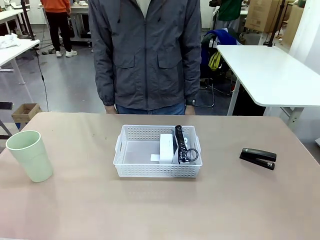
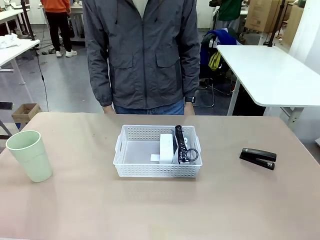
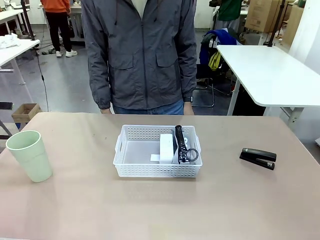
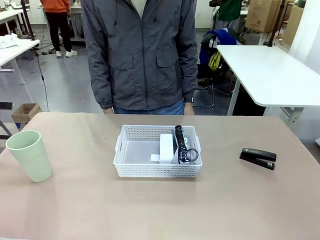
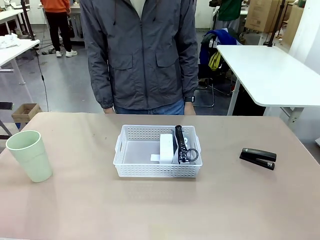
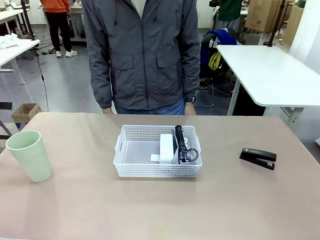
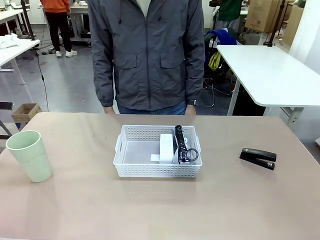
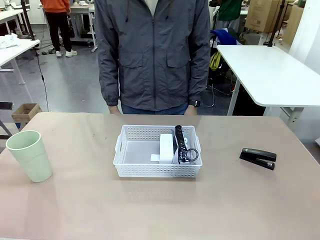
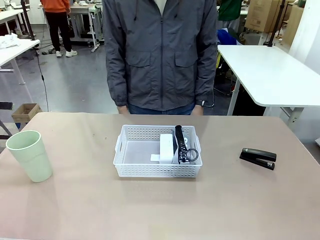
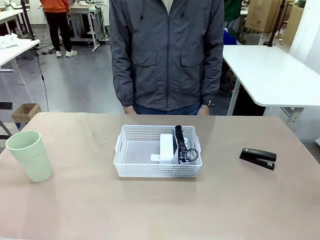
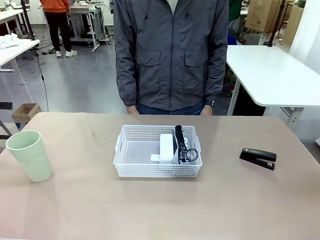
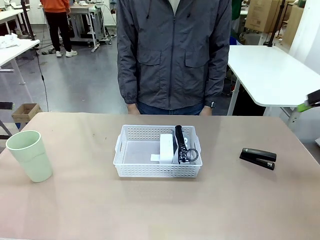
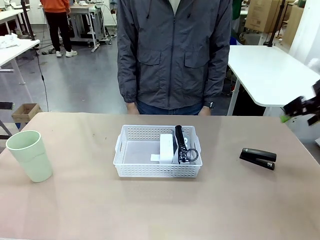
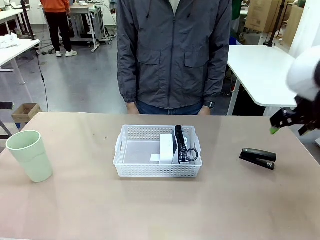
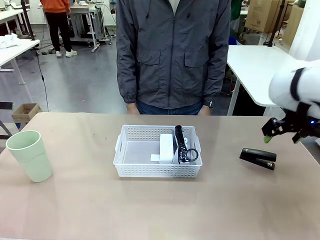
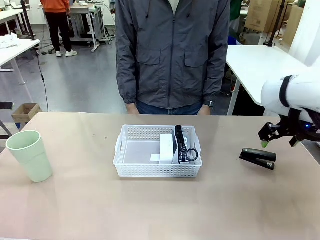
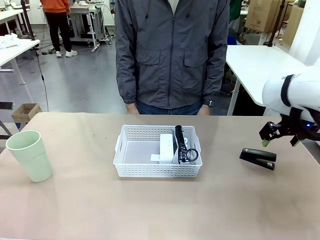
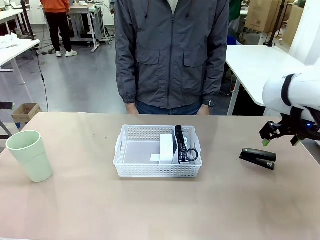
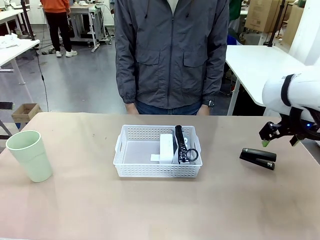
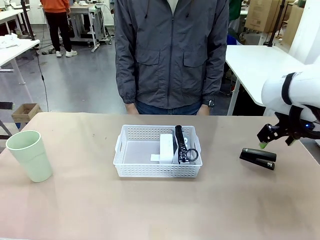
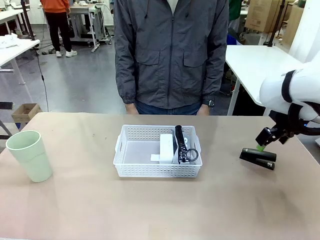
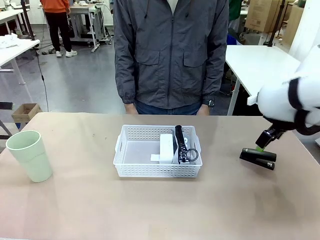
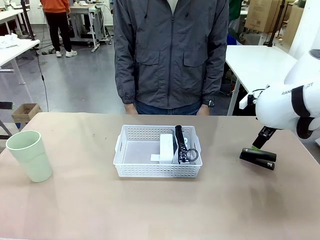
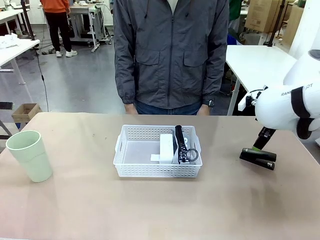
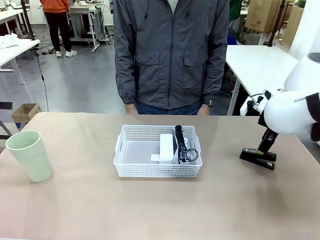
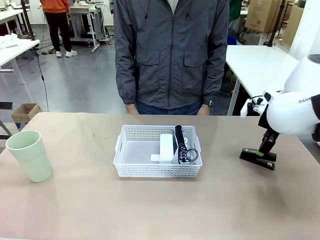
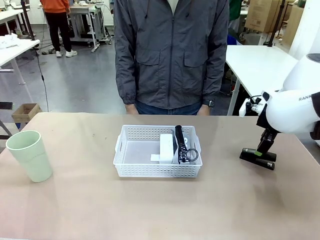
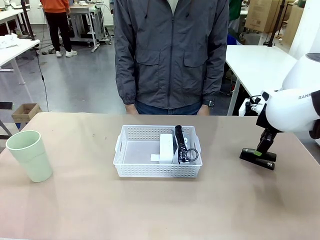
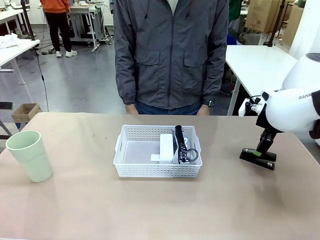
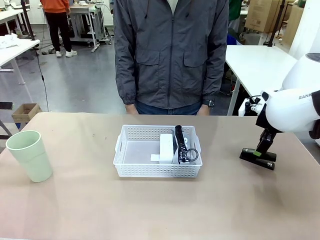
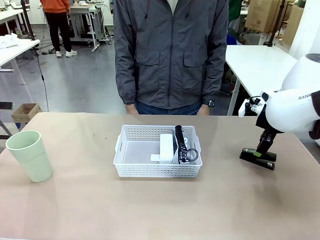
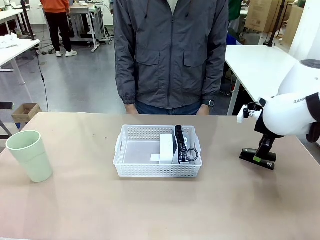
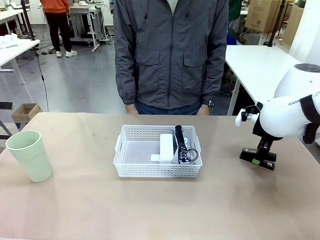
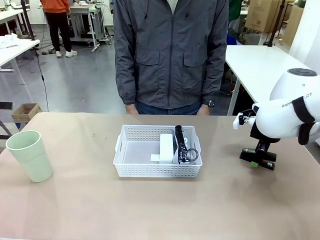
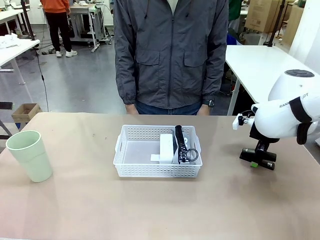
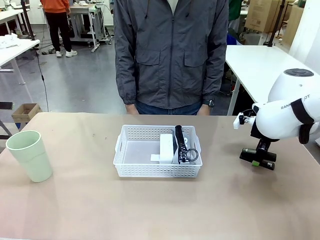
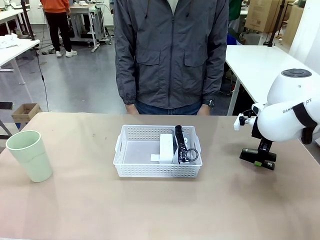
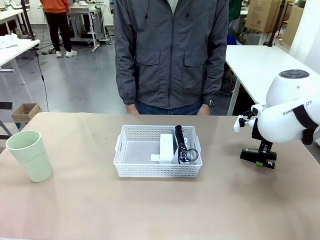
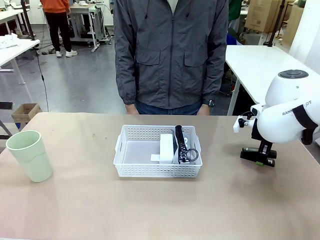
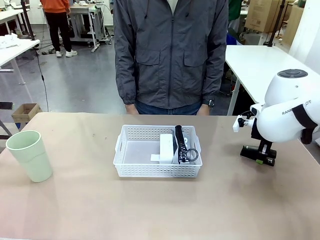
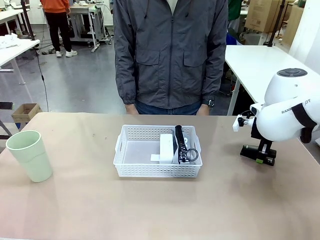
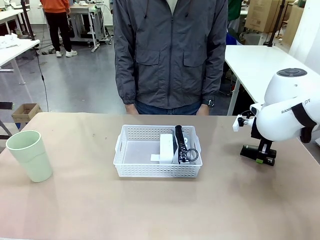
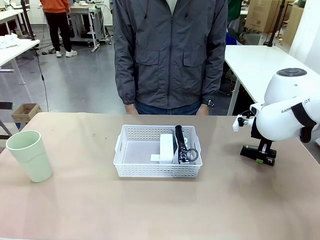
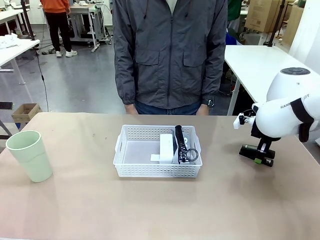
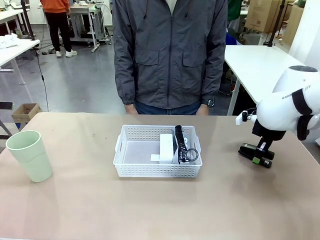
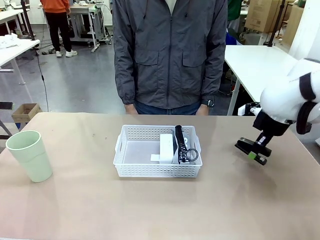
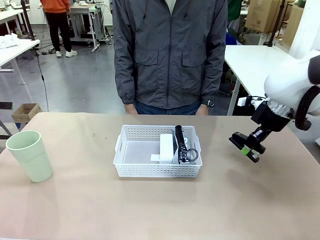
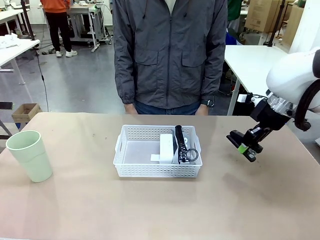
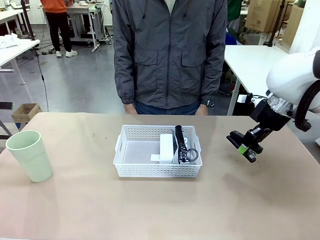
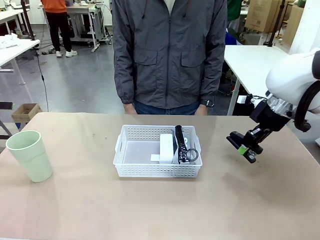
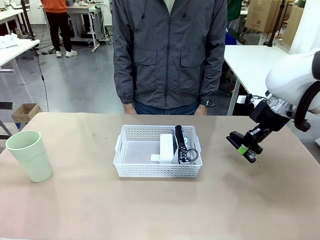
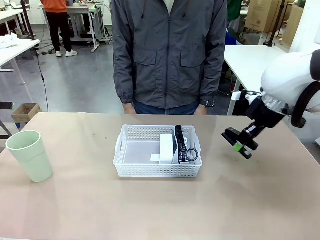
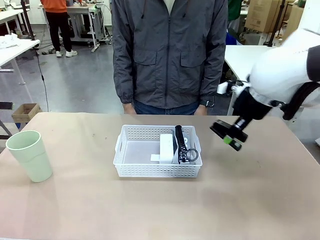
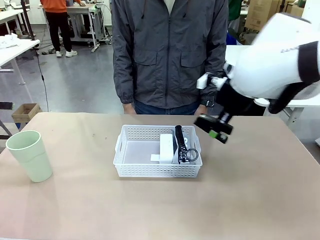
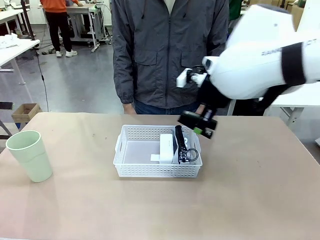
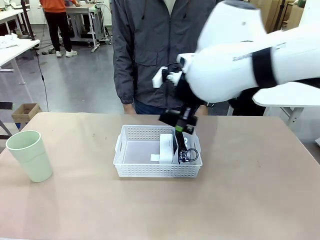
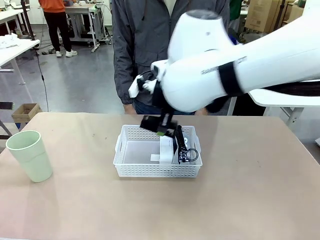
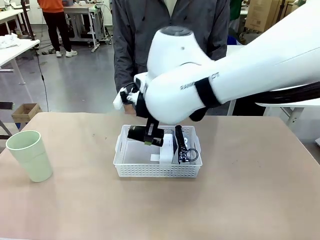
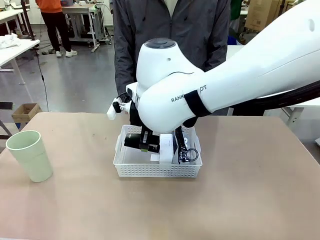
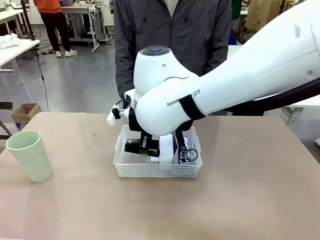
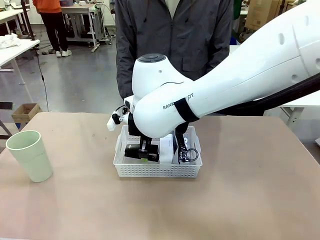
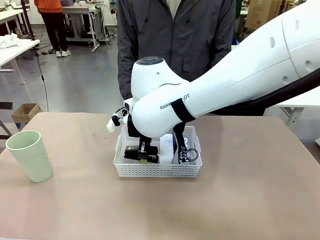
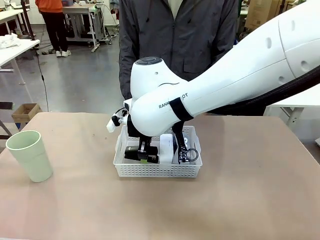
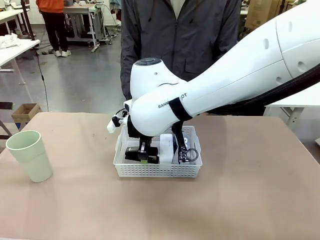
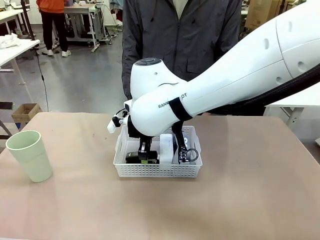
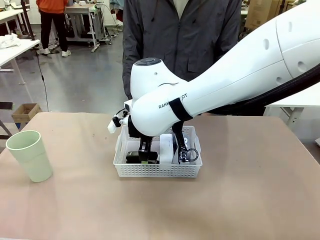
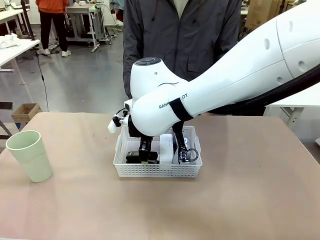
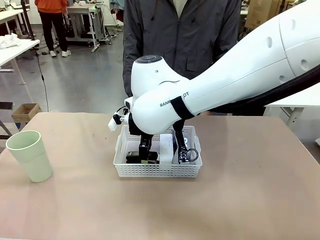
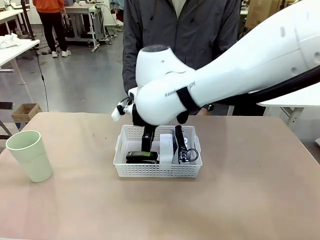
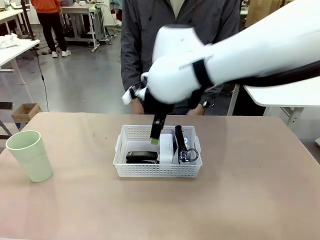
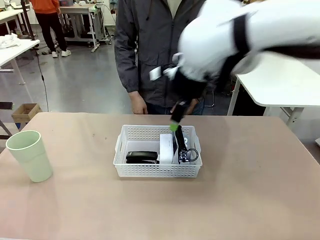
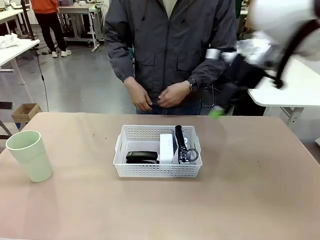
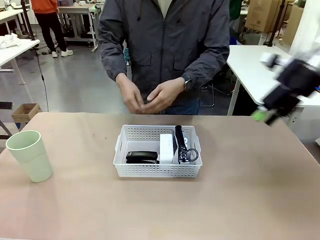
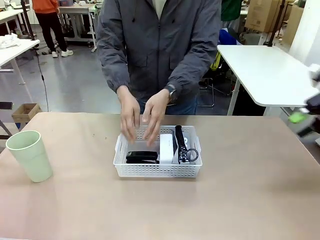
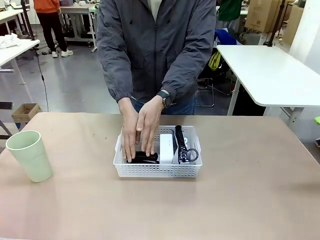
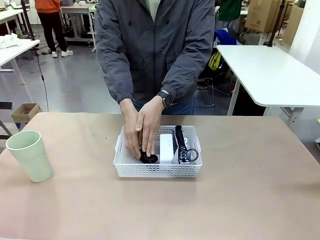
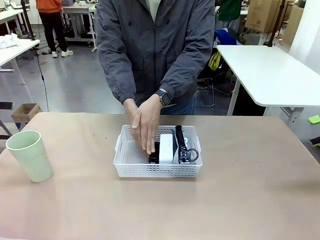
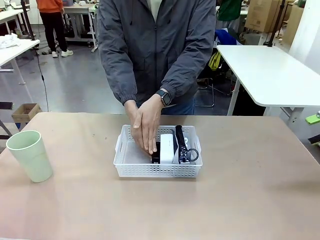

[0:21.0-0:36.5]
Task: Efficiently arrange items inside the basket to fit them all.
Robot: Pick up the Stapler and place it inside the Organizing basket.
